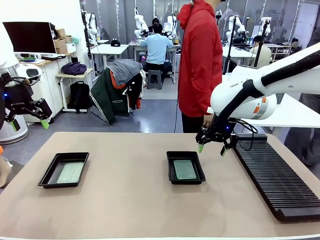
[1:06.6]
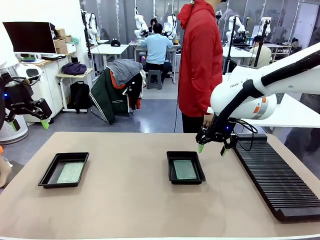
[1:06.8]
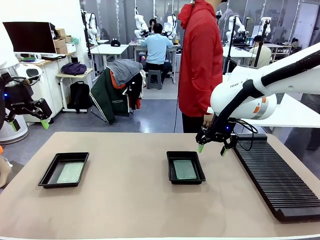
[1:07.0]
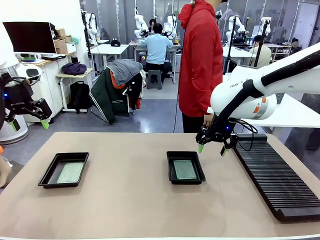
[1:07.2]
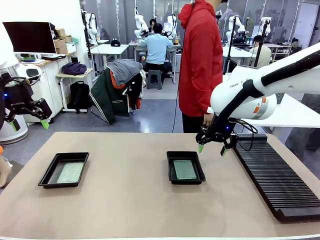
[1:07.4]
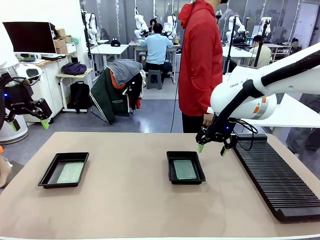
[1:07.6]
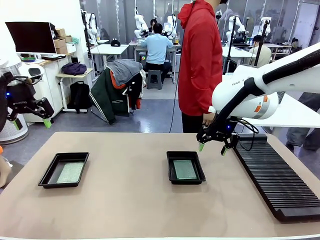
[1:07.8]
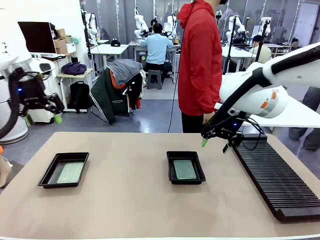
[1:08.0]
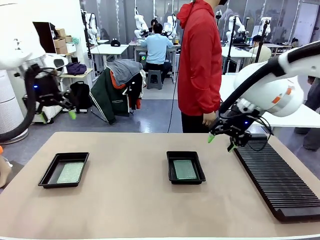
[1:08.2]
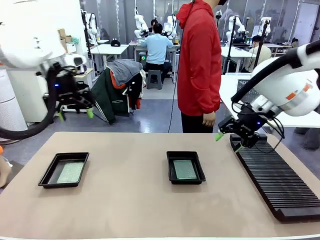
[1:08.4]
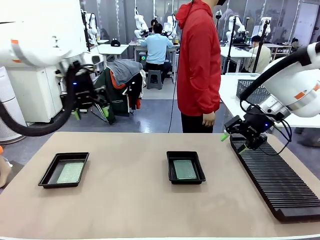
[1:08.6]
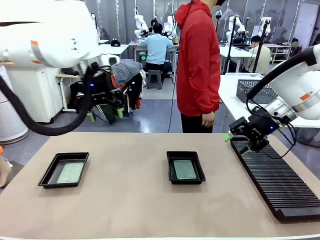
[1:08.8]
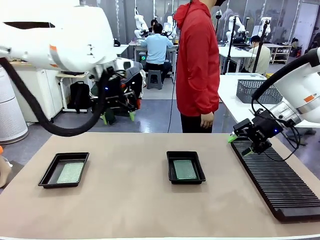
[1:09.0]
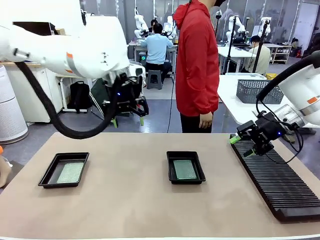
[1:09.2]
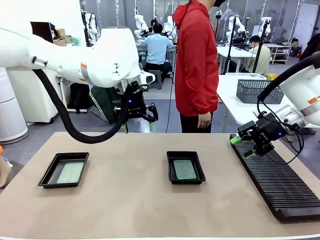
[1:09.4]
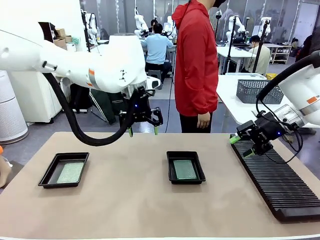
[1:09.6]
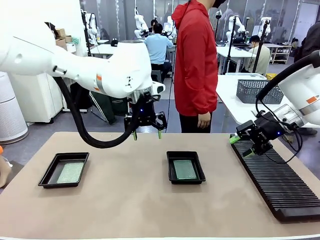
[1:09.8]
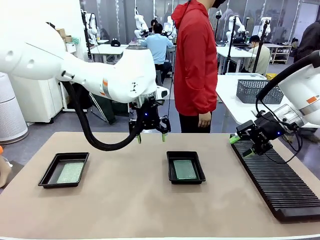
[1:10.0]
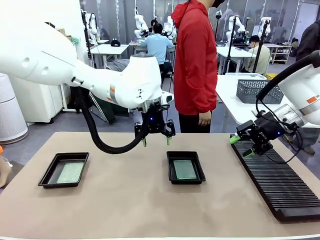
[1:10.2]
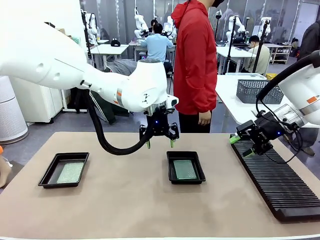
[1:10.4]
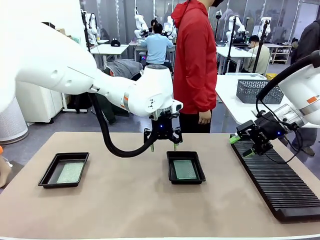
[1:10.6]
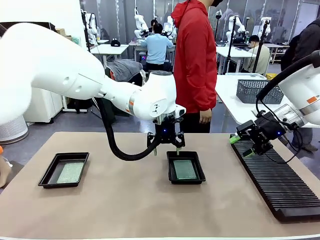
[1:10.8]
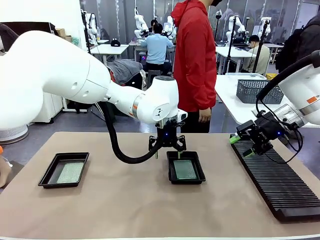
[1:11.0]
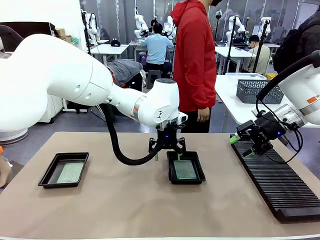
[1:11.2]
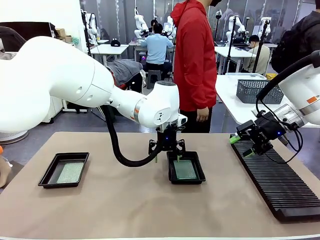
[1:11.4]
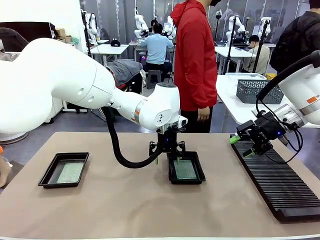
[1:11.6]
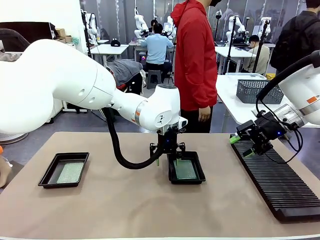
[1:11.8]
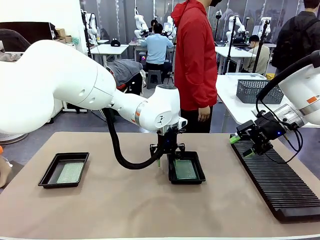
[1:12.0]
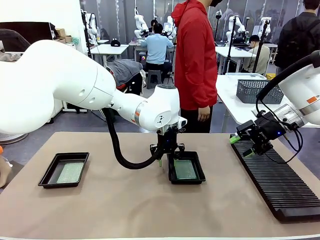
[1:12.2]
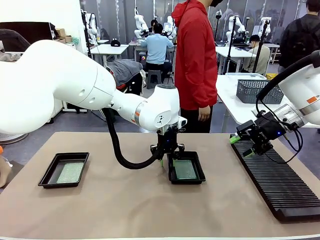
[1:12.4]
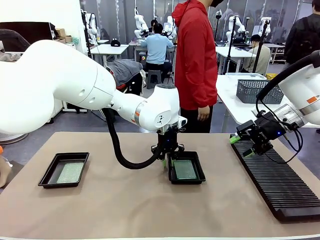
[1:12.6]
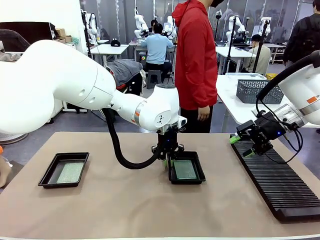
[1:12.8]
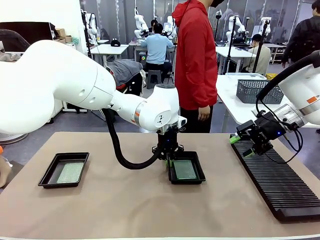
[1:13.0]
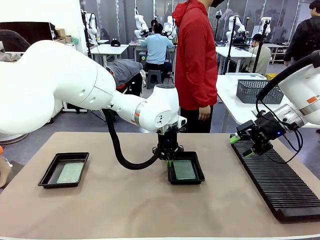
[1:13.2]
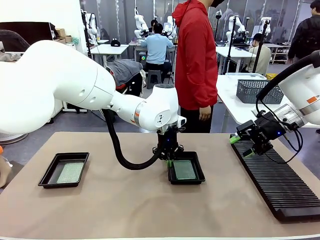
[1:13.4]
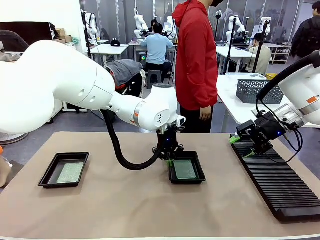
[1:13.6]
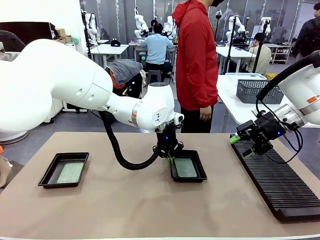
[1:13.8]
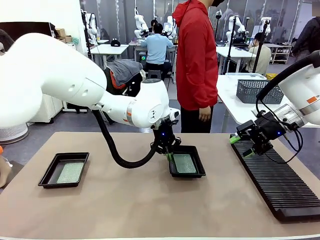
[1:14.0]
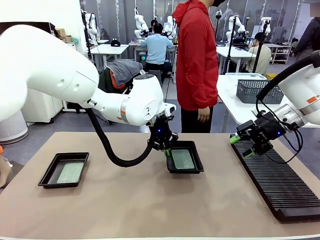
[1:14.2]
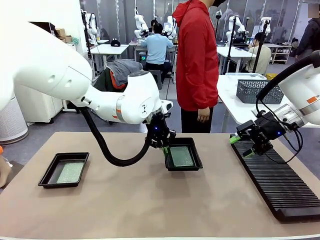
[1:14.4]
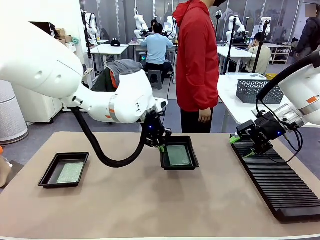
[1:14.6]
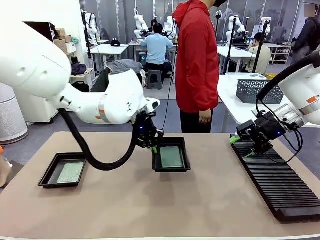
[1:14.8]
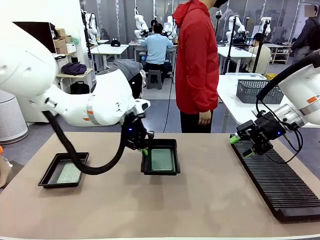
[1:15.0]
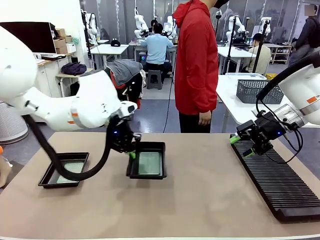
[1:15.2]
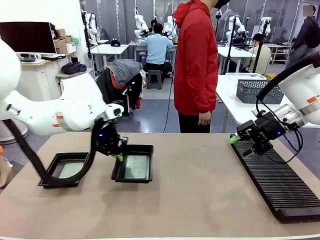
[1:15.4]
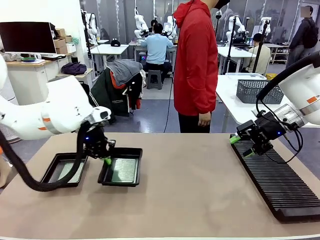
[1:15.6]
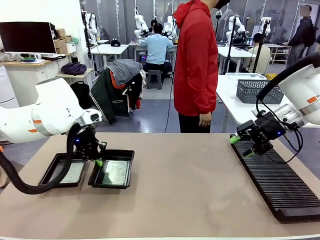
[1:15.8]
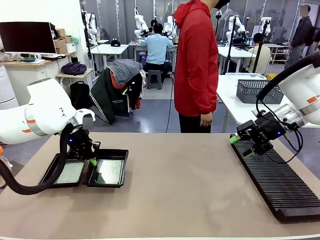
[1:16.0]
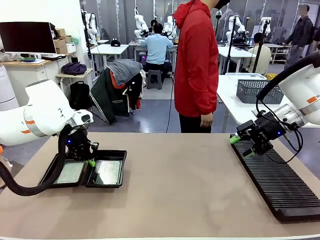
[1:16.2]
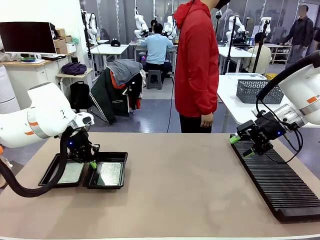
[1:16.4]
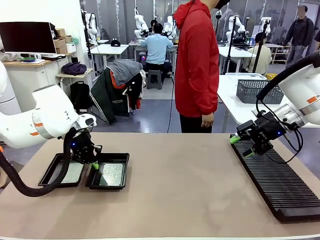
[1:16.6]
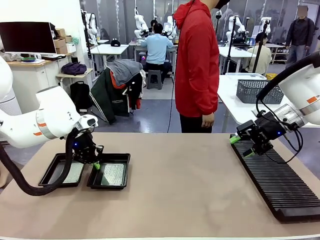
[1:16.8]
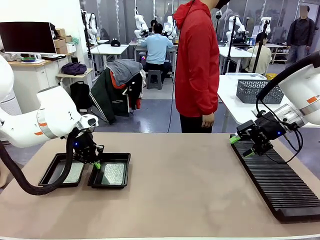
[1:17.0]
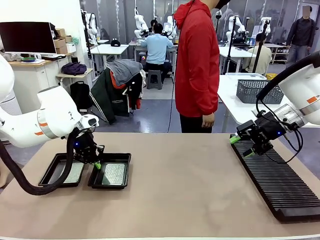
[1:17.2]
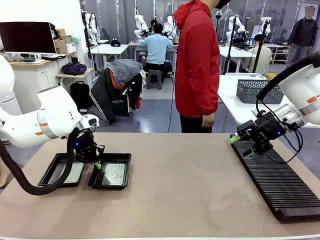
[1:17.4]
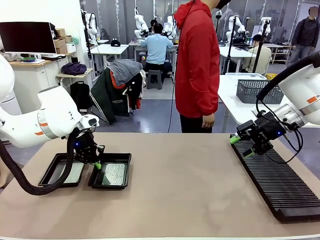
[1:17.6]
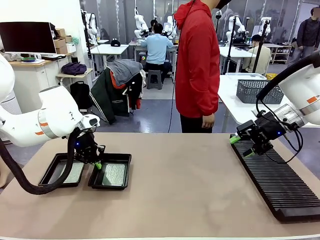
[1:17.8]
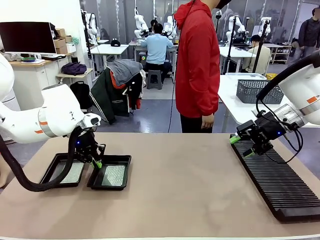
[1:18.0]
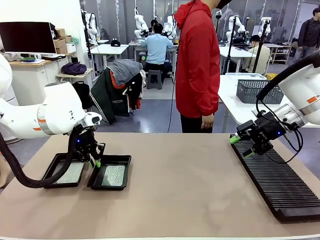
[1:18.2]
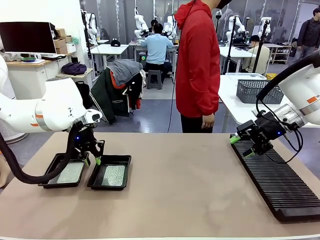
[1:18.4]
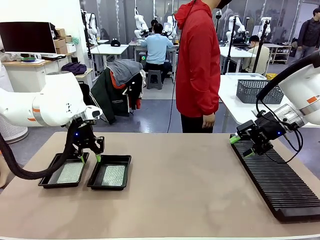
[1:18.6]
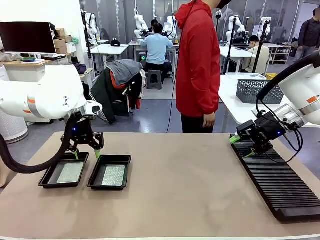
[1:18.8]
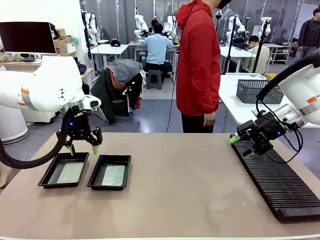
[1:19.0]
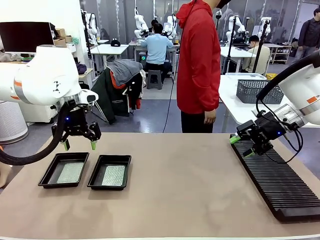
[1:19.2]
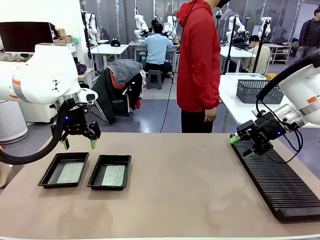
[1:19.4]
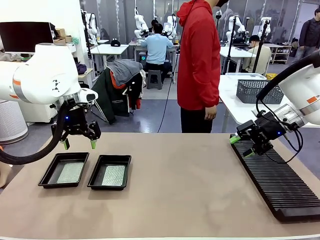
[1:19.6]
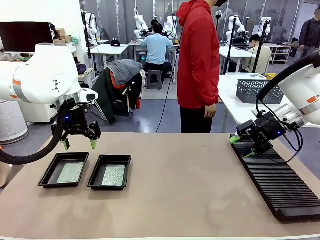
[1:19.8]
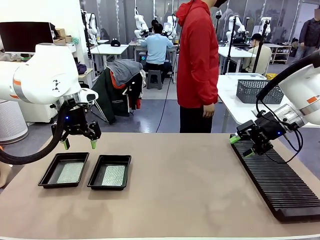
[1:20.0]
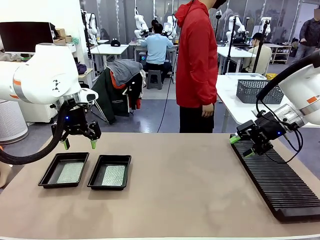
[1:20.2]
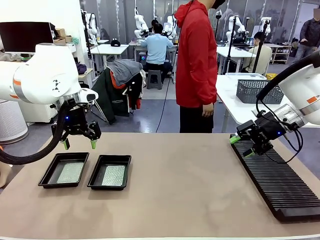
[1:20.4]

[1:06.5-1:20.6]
Task: Inspect and transfer BCBs to ESD trays.
Robot: Pick up the ESD tray and place it on the left side of the table.
